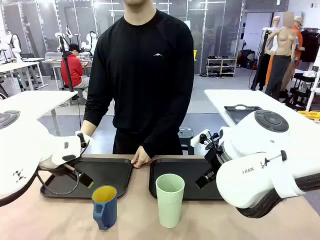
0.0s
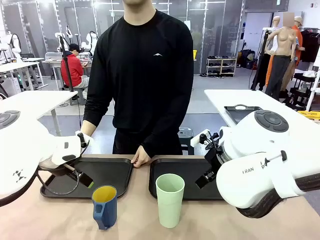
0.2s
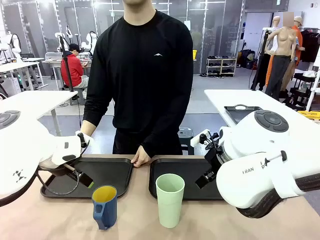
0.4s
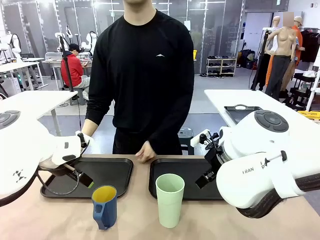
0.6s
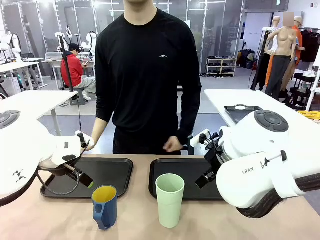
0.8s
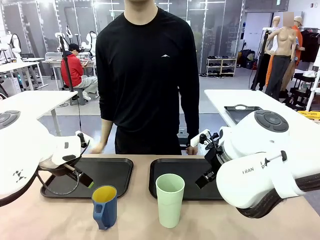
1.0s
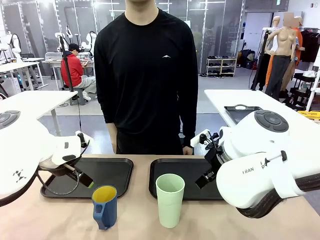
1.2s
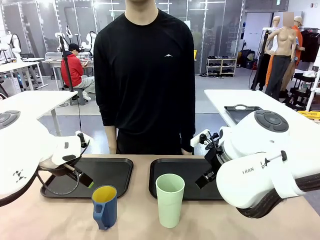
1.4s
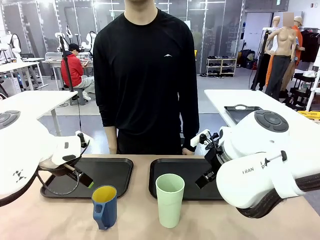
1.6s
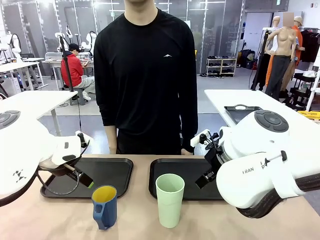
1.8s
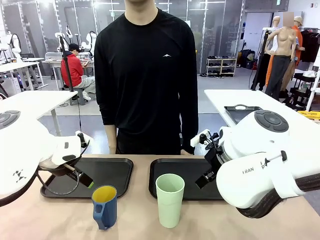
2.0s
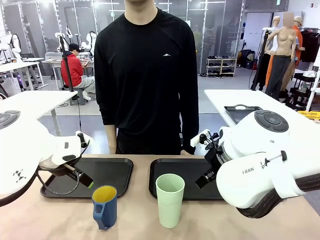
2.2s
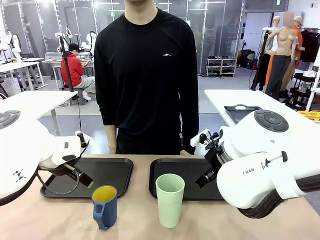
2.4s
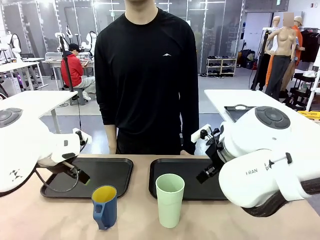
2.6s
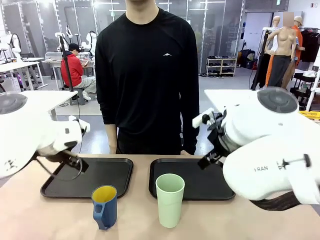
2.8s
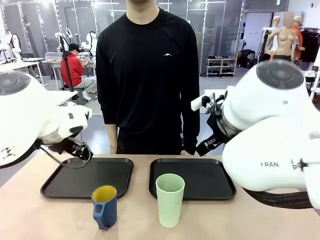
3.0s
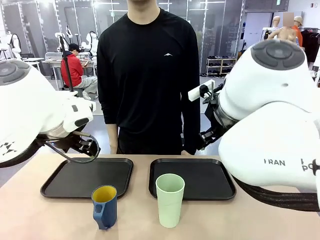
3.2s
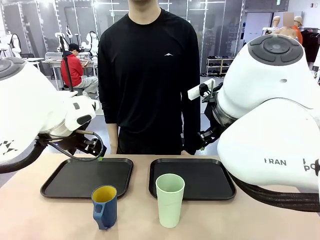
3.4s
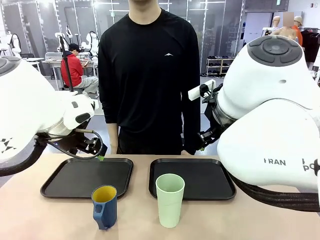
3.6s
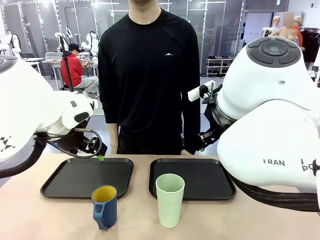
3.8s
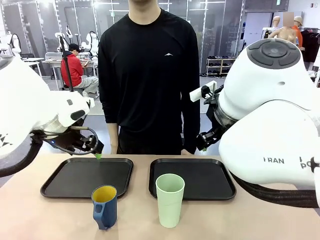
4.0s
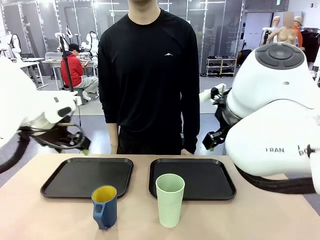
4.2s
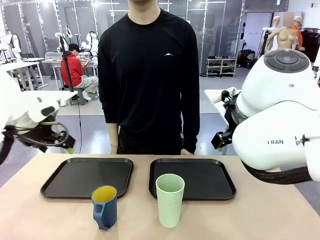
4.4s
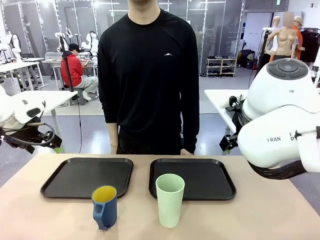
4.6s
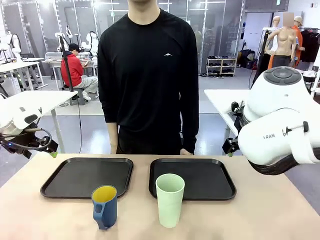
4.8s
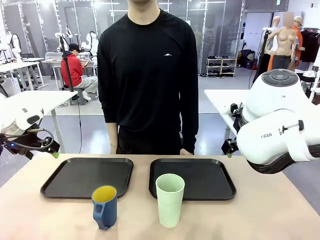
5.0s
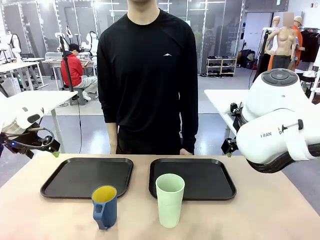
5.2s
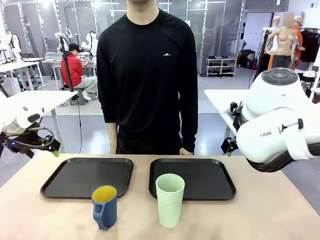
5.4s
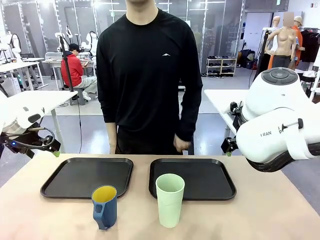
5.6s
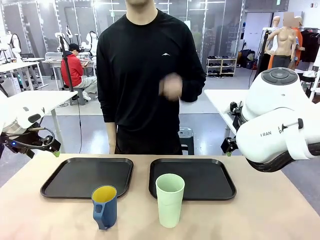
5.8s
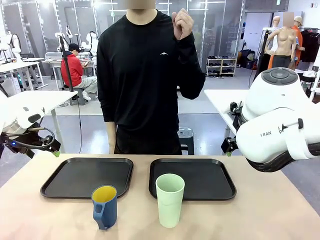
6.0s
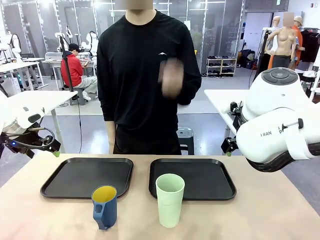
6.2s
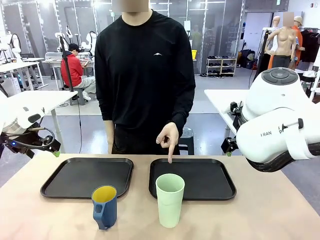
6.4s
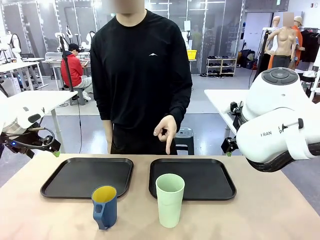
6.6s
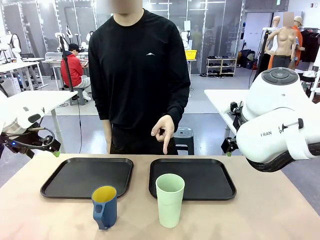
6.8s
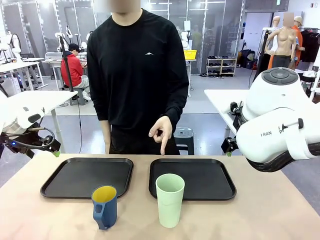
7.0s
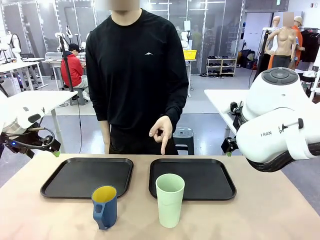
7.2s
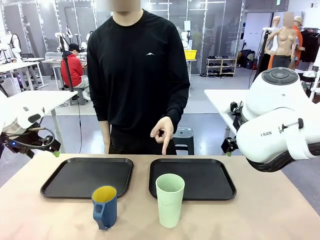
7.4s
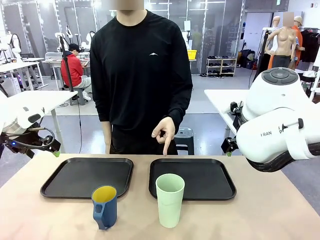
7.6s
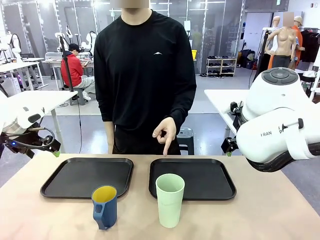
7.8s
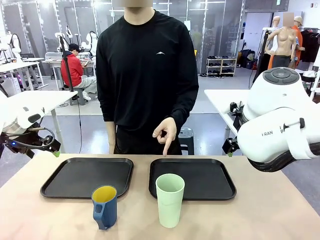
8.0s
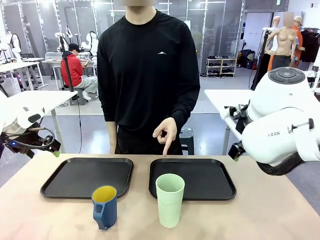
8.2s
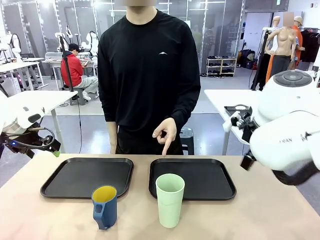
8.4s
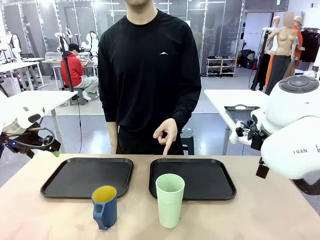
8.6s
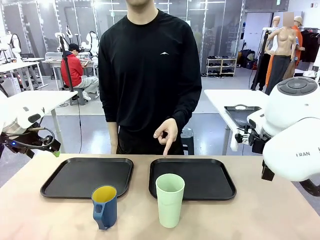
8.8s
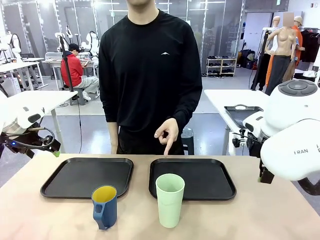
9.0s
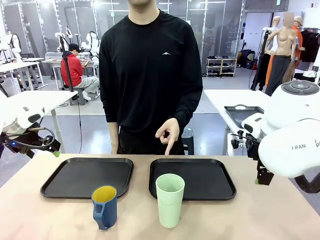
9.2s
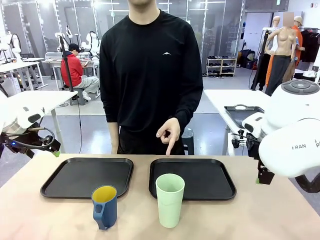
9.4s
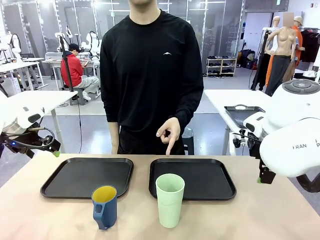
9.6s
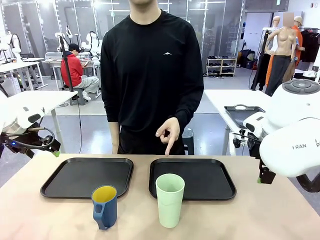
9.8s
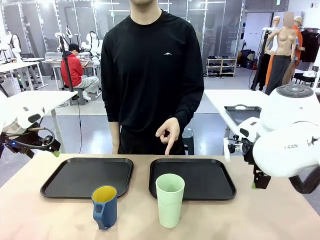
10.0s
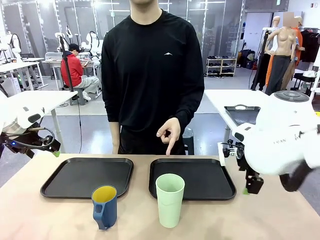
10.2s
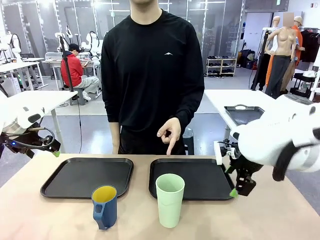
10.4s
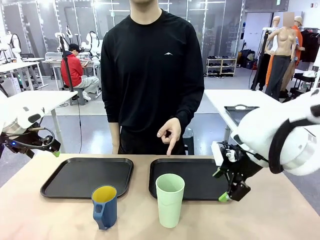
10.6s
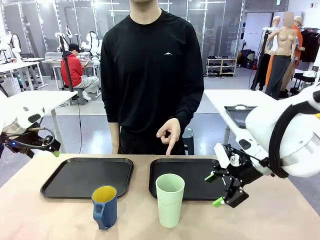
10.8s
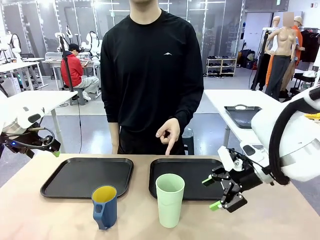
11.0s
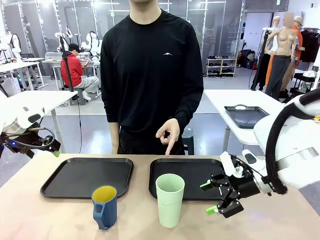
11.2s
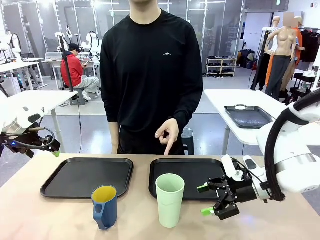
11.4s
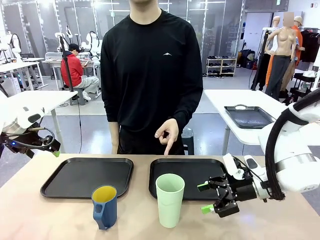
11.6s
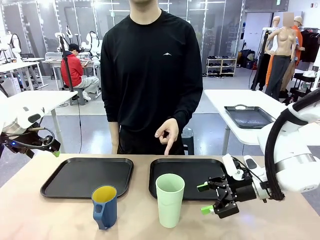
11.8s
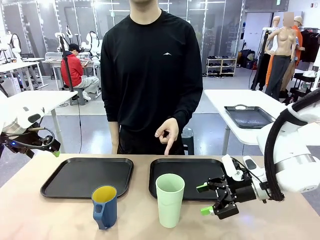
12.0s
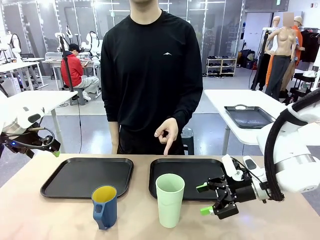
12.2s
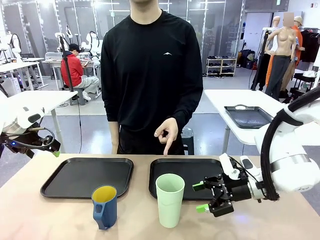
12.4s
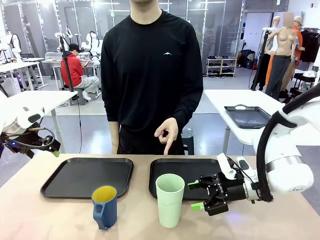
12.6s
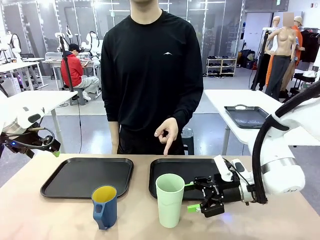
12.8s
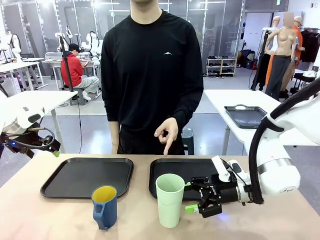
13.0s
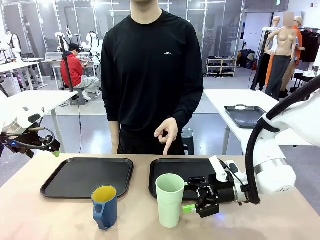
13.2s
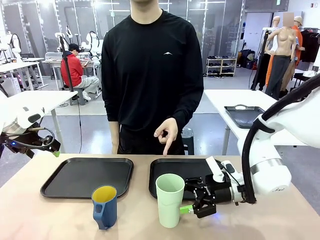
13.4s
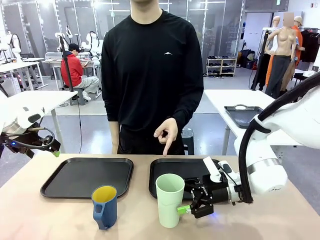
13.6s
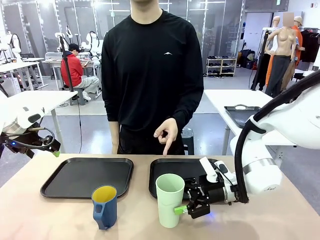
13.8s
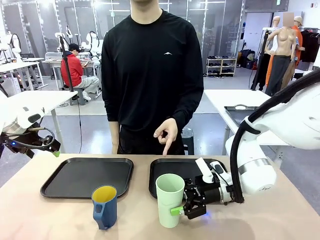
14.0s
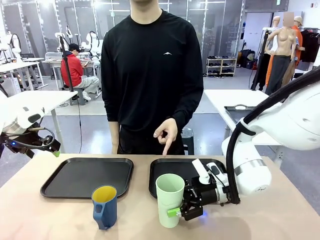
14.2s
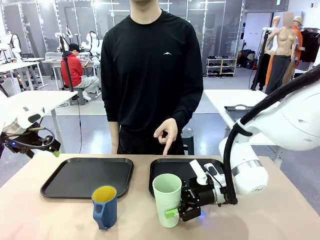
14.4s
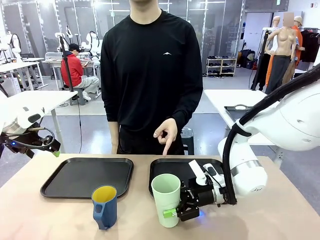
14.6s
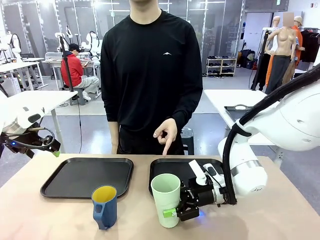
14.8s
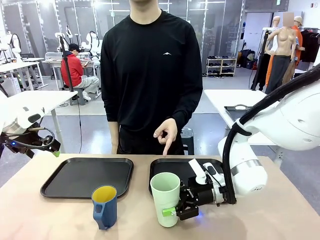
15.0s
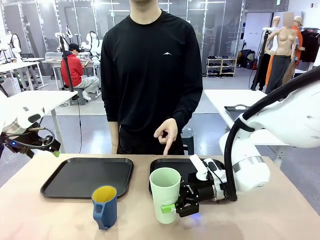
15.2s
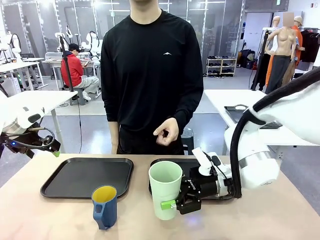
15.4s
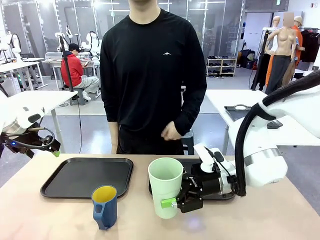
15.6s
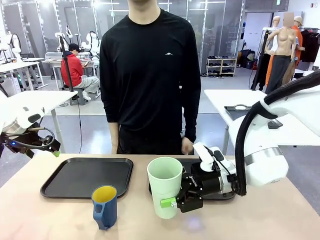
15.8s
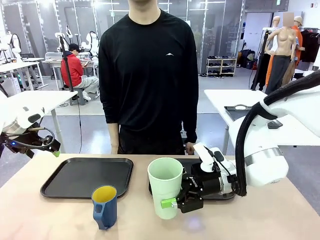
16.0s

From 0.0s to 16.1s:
Task: Sort and store the cups by type.
Robot: Pick up the Reusable plastic cup.
Person: Points to the reusable cup. Point to one of the two trays.
